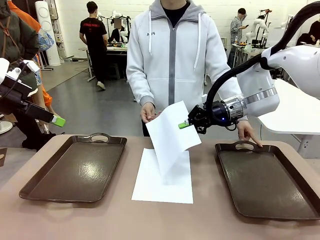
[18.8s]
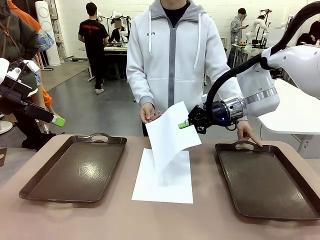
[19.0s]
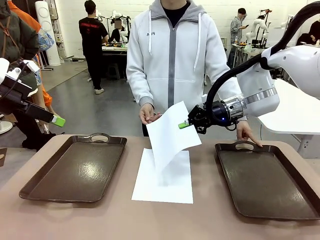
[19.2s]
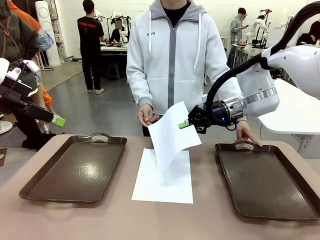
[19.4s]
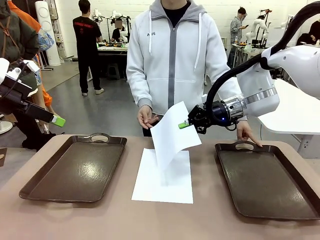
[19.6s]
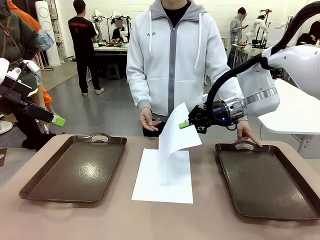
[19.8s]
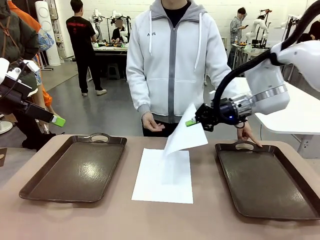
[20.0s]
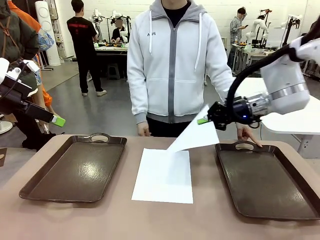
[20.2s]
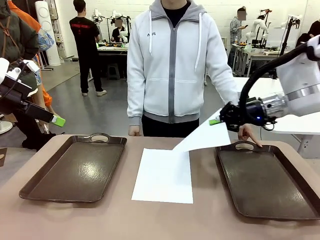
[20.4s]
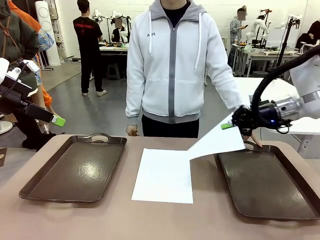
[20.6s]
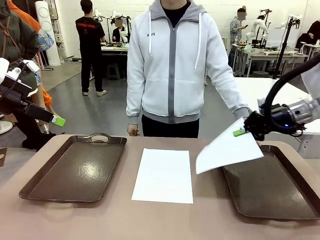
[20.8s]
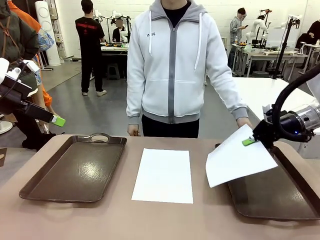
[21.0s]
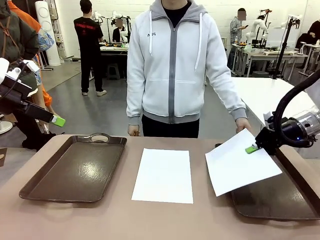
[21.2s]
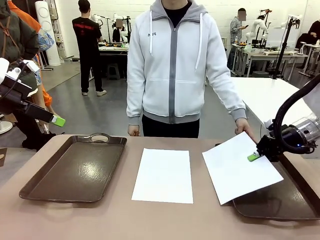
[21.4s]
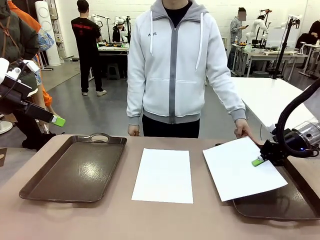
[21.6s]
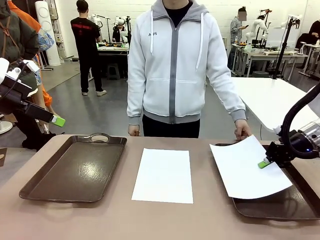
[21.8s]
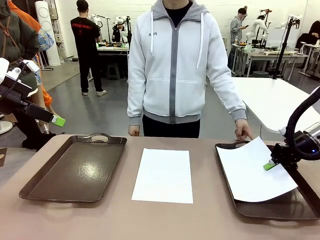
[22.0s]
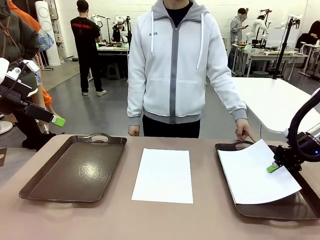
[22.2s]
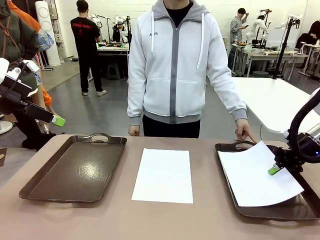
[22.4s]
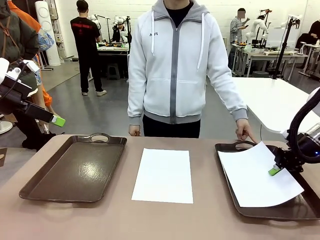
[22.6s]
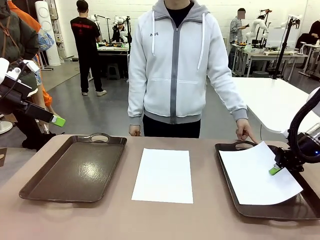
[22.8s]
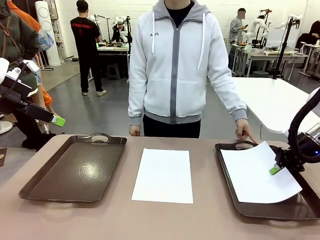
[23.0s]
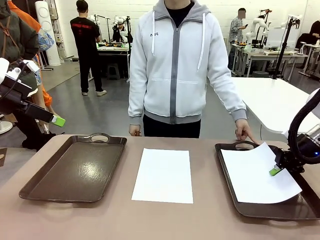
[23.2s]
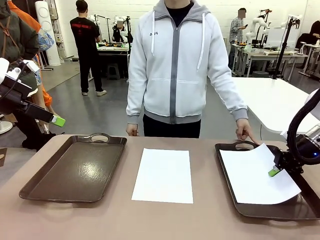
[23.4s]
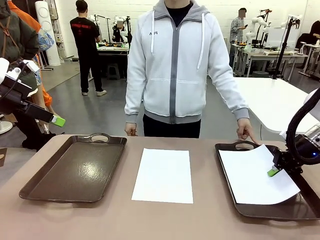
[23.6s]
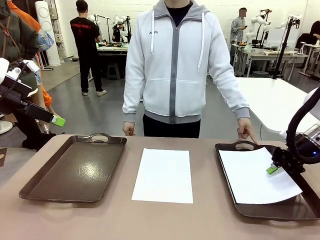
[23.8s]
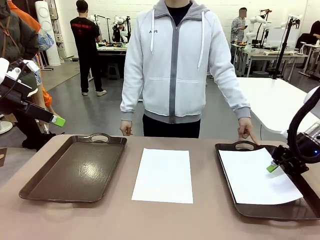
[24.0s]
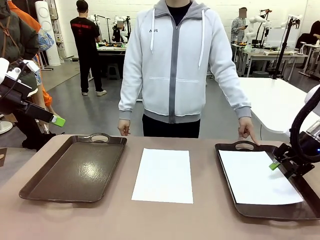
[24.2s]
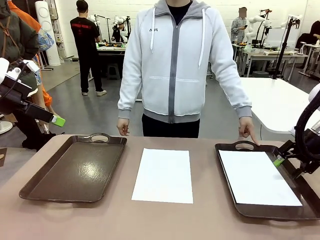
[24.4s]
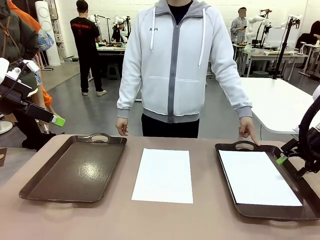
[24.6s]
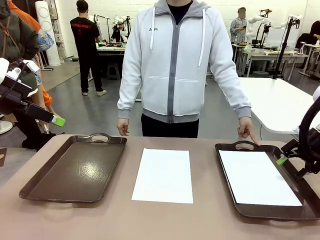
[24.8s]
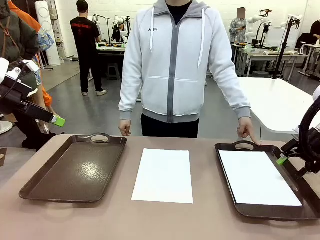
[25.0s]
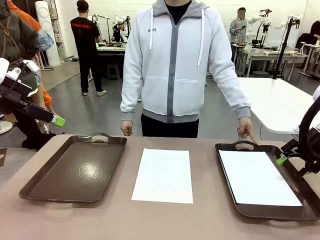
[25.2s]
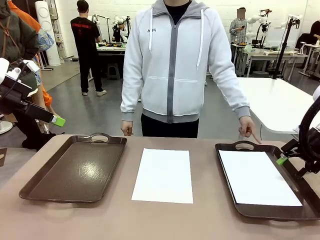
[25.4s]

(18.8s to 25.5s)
Task: Sort the A4 documents.
Robot: Place the A4 Paper in the designated Handle tray.

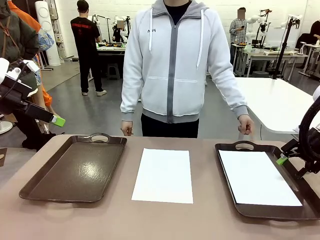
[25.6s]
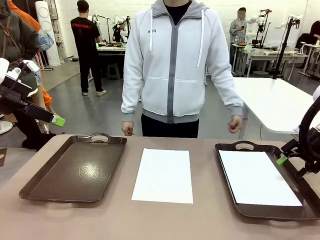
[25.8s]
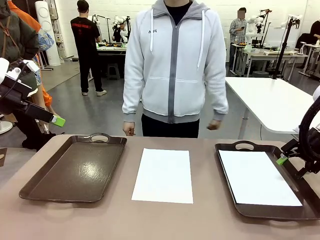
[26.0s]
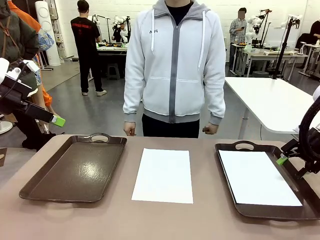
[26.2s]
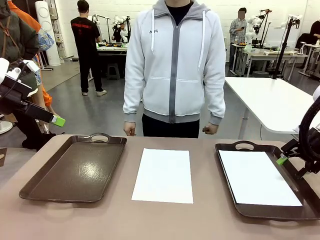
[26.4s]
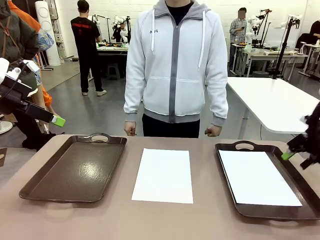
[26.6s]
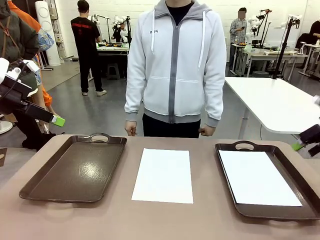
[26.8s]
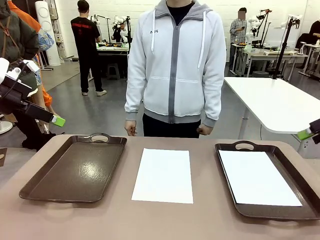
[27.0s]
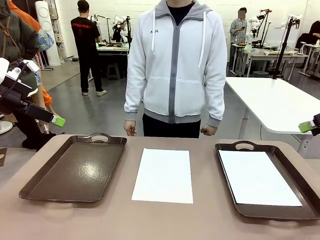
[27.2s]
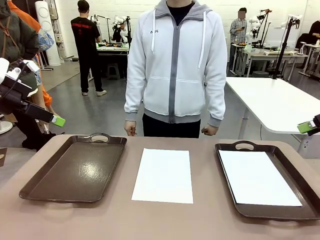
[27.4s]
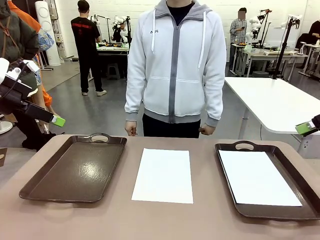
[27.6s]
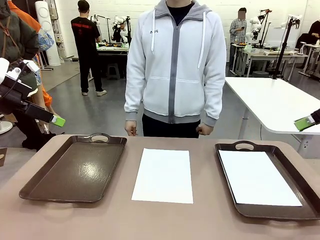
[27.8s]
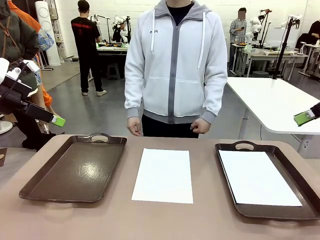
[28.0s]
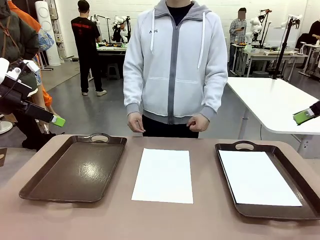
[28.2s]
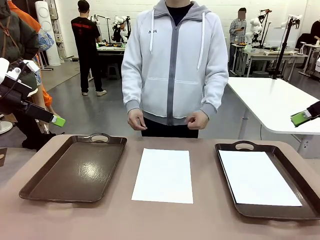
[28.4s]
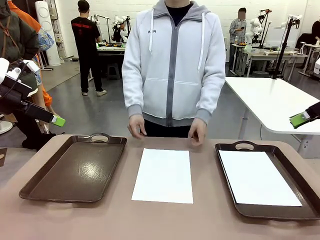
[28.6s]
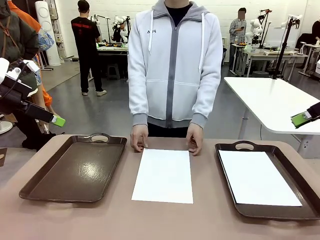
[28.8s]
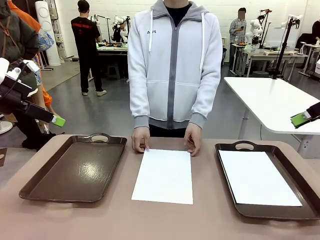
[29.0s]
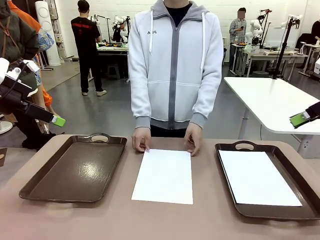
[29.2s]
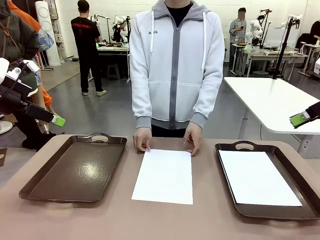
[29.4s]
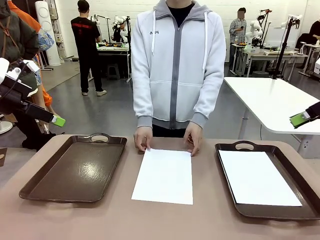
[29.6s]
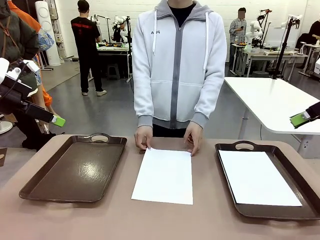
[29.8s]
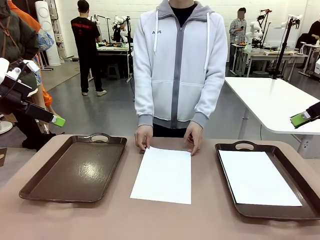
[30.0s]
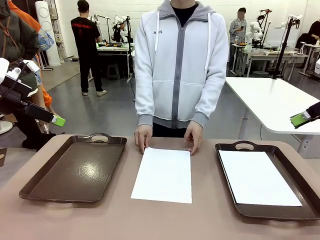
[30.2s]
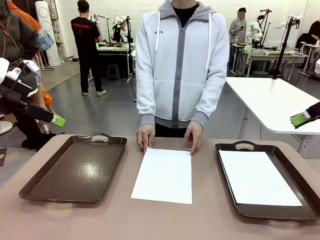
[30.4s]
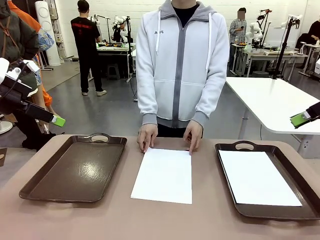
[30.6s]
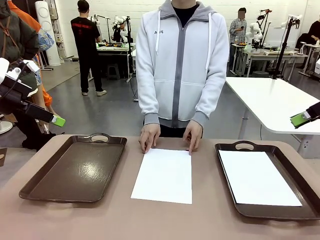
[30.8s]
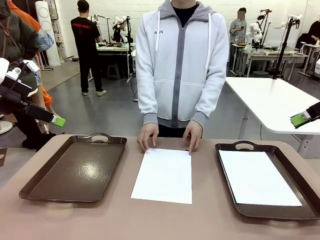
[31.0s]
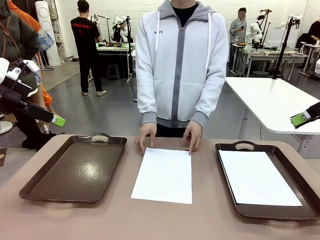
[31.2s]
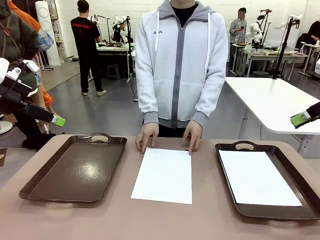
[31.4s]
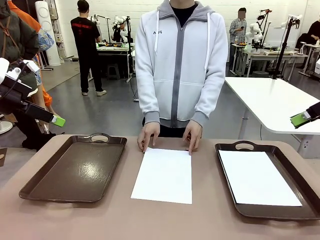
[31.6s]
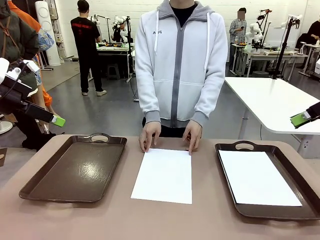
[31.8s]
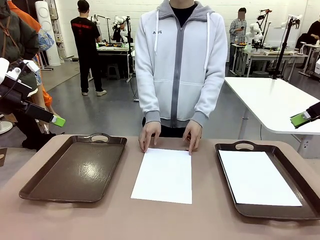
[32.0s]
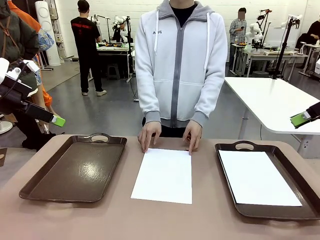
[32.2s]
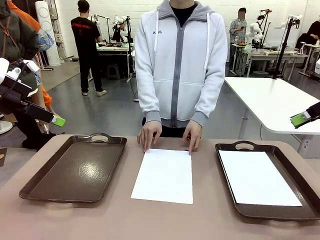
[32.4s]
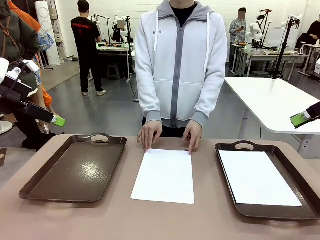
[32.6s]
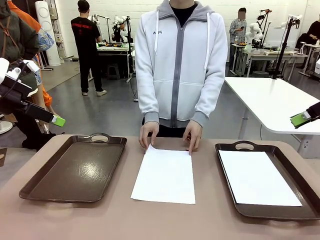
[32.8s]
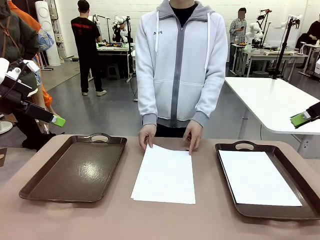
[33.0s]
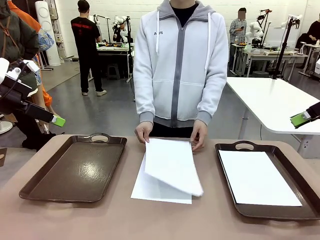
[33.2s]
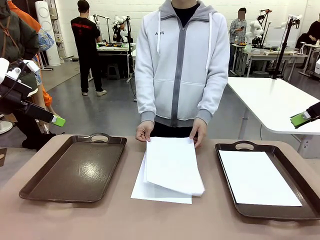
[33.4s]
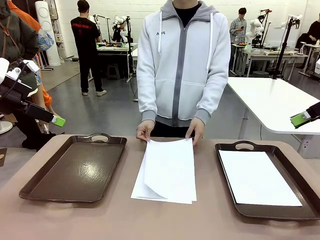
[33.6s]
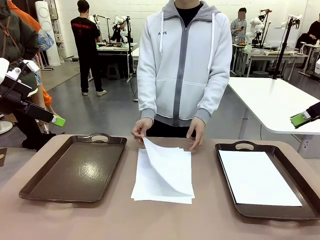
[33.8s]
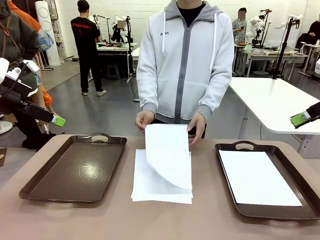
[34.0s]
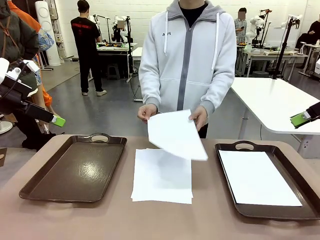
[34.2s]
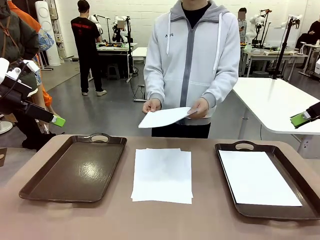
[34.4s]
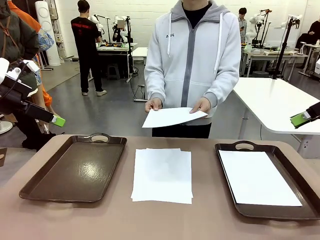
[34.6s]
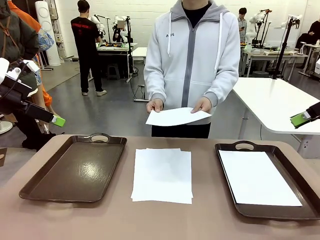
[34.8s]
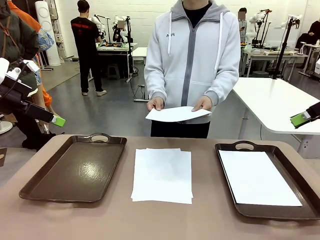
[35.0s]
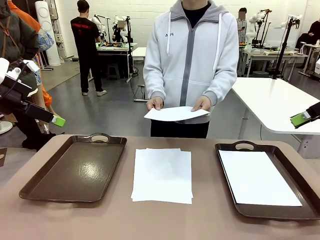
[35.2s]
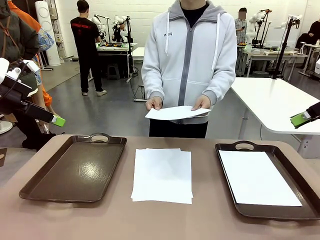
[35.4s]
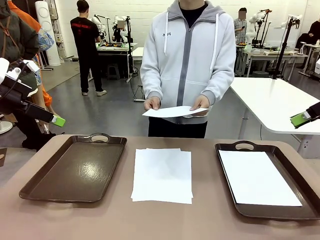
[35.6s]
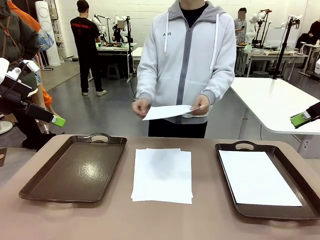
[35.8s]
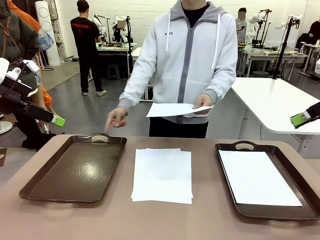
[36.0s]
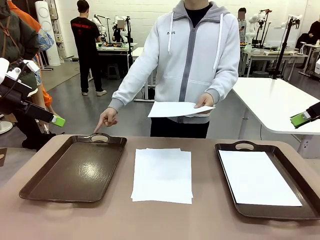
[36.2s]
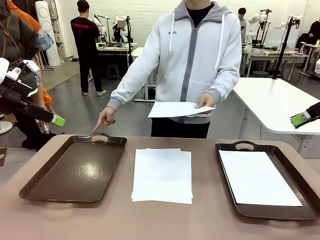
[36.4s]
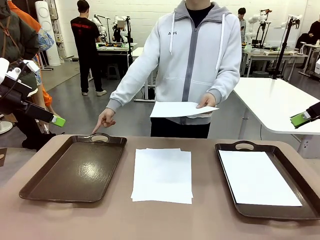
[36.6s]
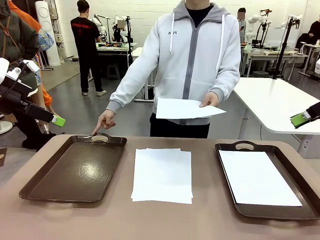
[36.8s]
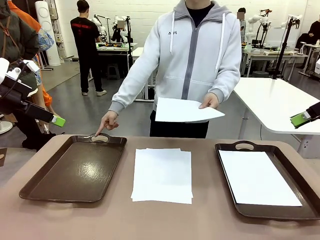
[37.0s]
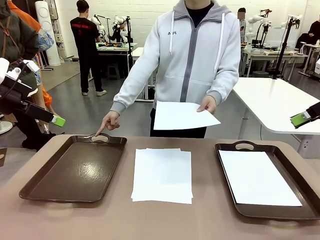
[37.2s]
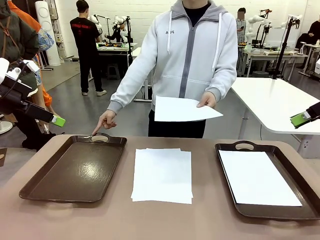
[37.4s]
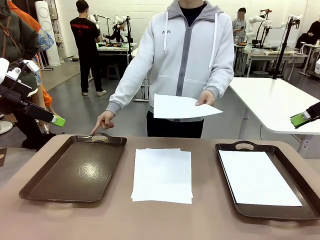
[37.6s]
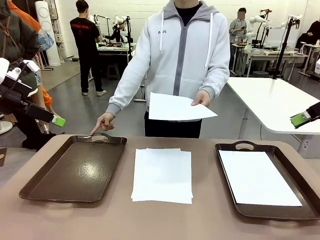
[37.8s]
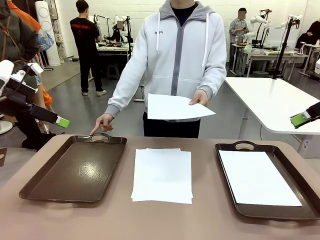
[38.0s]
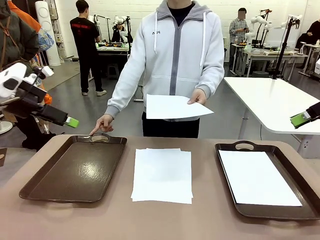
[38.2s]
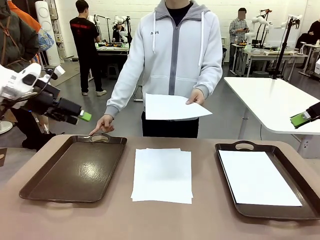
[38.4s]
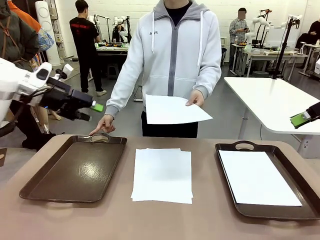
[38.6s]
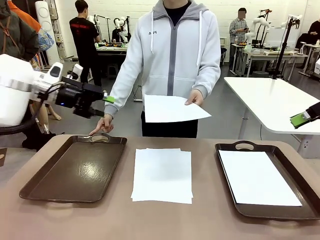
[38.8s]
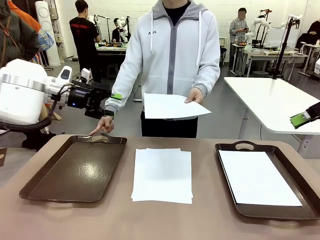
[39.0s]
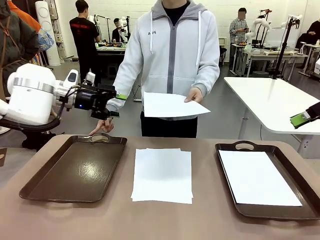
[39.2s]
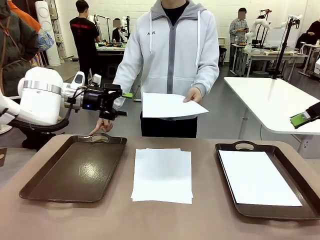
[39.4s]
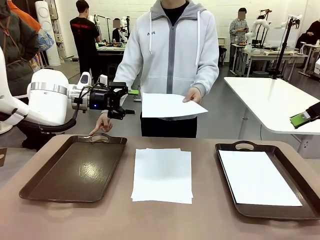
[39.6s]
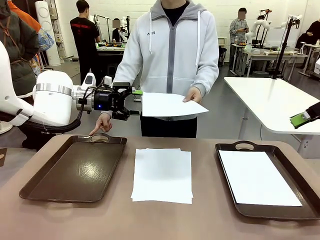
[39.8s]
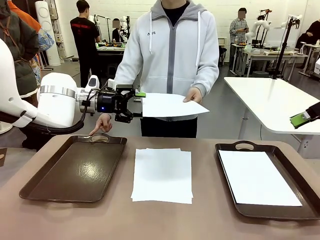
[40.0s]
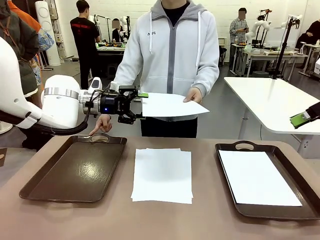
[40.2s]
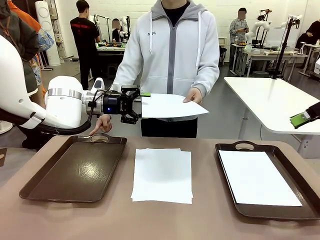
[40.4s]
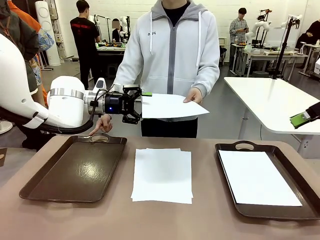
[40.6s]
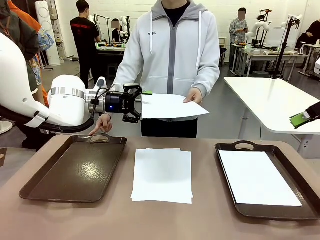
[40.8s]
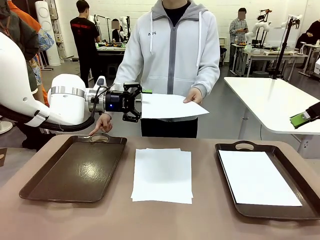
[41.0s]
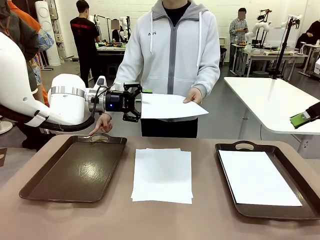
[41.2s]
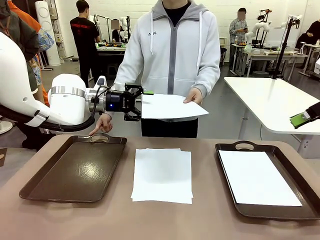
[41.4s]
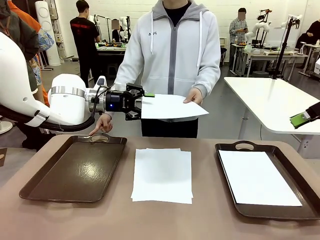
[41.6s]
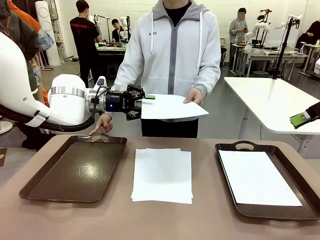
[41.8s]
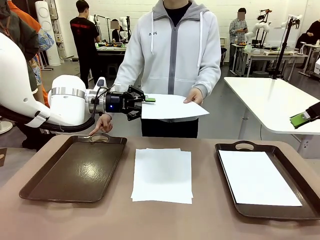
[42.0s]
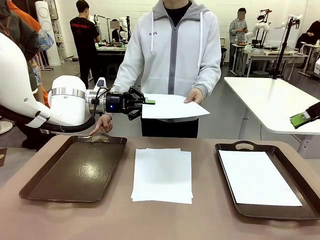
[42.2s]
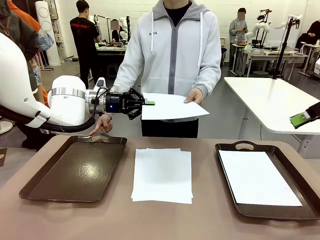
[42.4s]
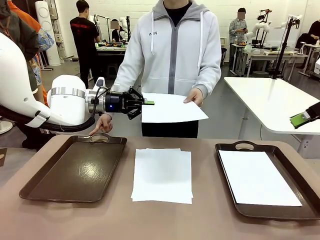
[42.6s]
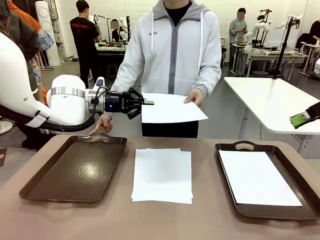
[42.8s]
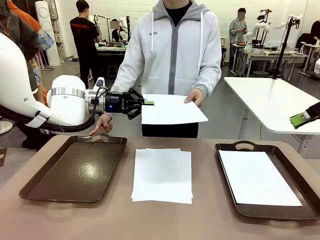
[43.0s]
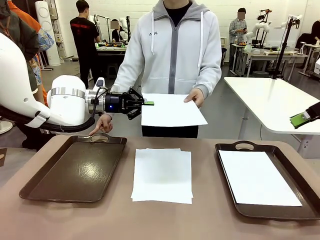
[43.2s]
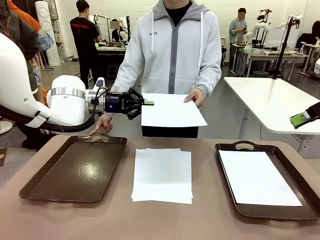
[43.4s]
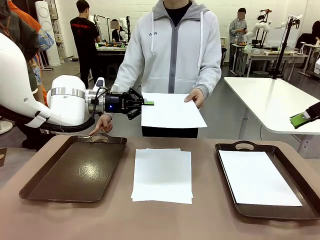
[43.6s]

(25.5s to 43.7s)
Robot: Receive the A4 Paper.
Person: Point the randomly selected tray with the other hand.
